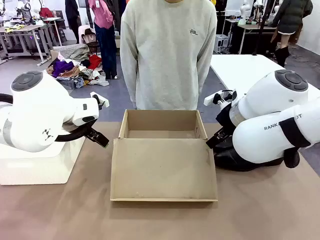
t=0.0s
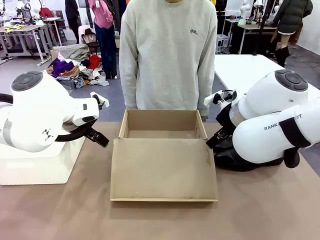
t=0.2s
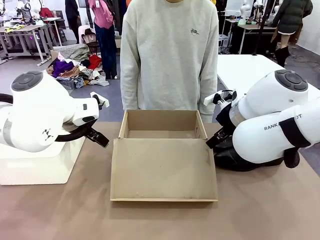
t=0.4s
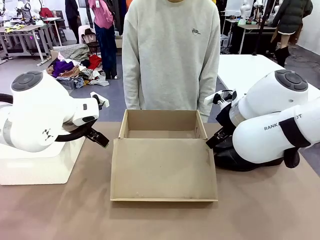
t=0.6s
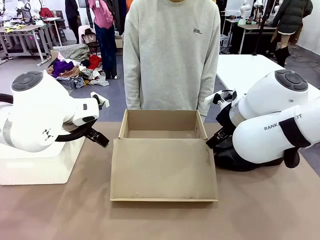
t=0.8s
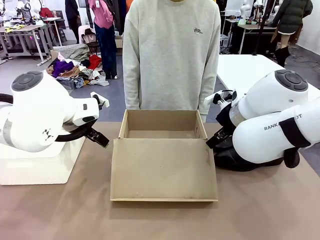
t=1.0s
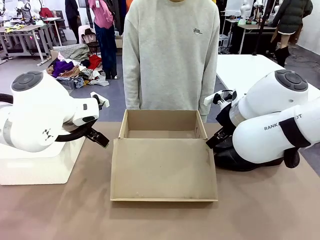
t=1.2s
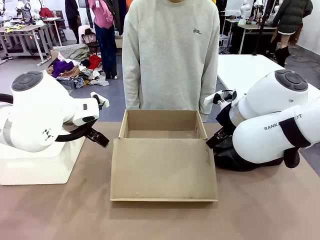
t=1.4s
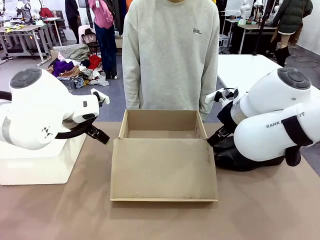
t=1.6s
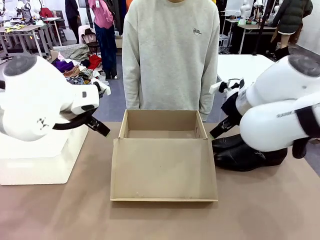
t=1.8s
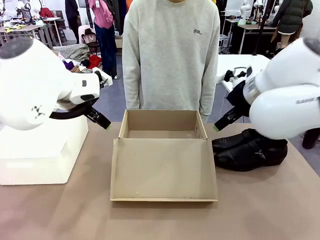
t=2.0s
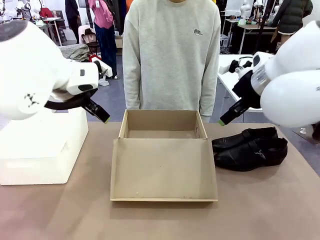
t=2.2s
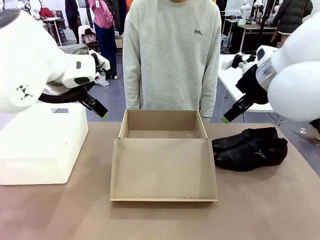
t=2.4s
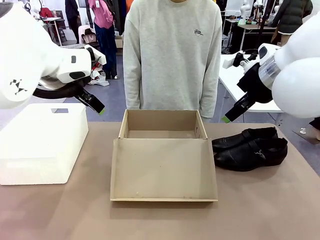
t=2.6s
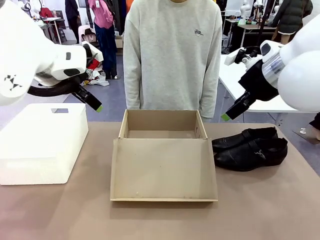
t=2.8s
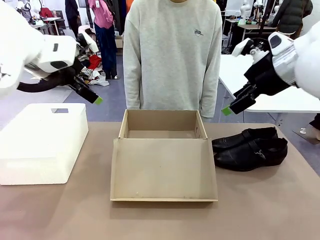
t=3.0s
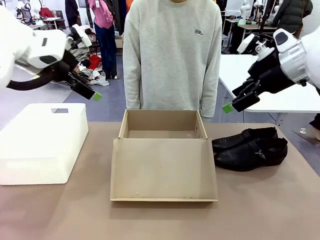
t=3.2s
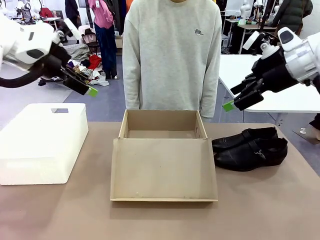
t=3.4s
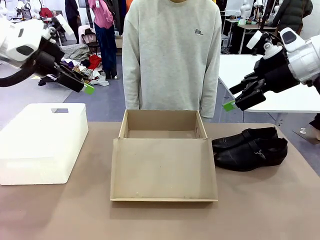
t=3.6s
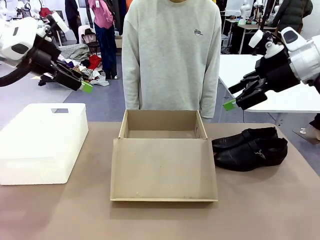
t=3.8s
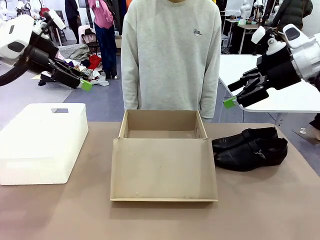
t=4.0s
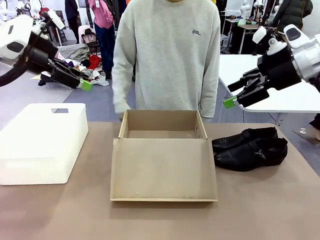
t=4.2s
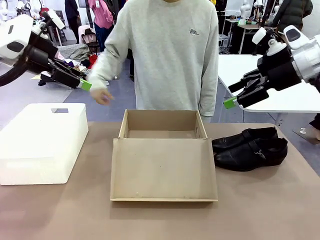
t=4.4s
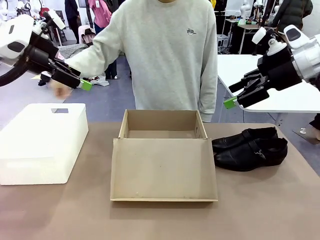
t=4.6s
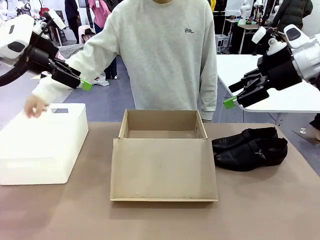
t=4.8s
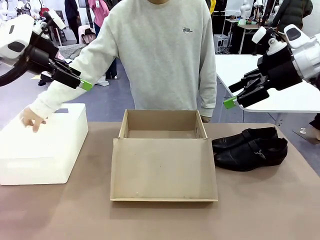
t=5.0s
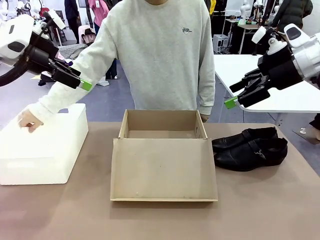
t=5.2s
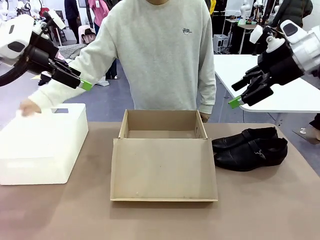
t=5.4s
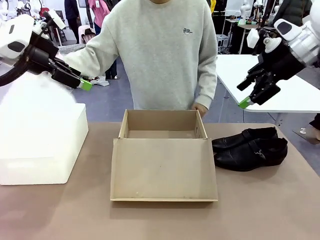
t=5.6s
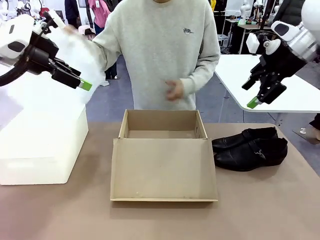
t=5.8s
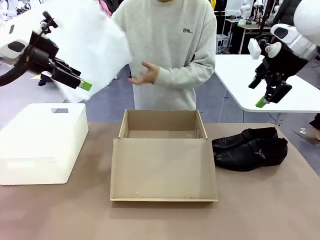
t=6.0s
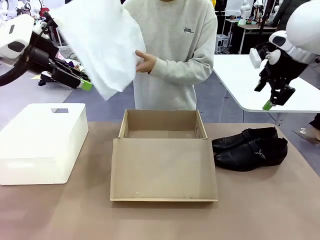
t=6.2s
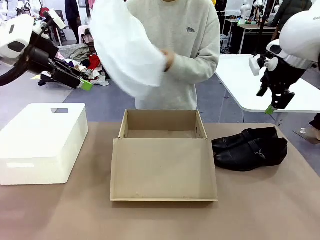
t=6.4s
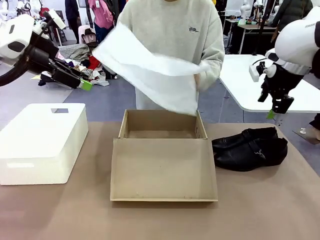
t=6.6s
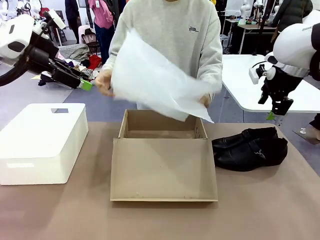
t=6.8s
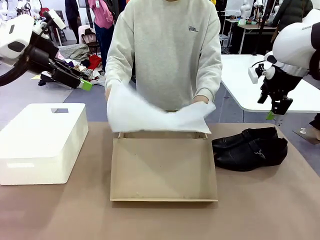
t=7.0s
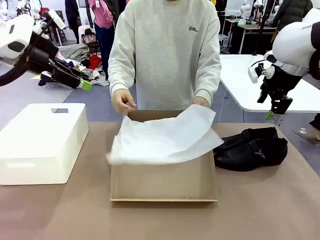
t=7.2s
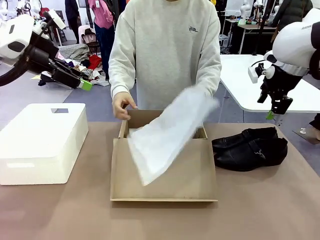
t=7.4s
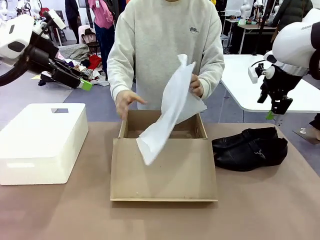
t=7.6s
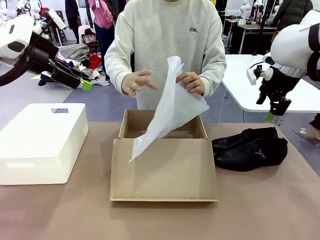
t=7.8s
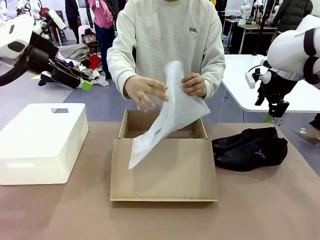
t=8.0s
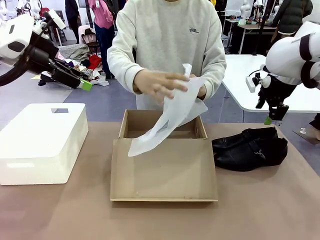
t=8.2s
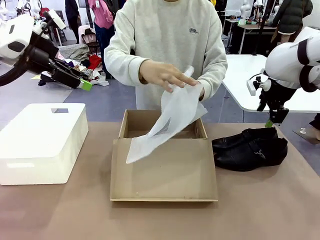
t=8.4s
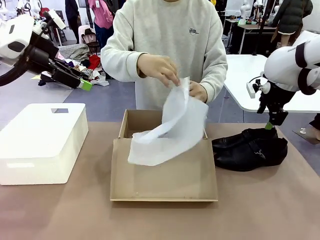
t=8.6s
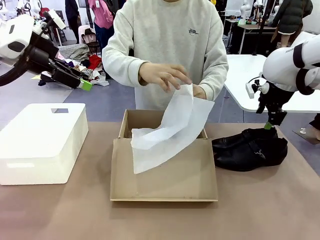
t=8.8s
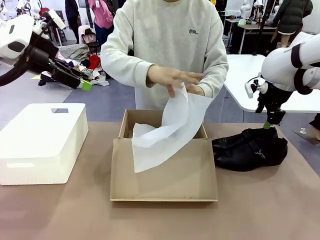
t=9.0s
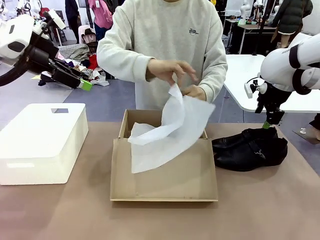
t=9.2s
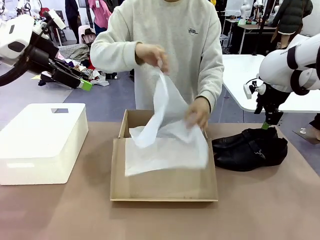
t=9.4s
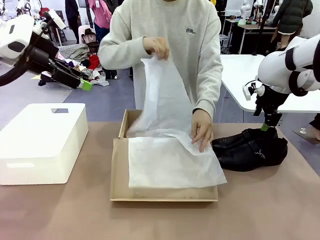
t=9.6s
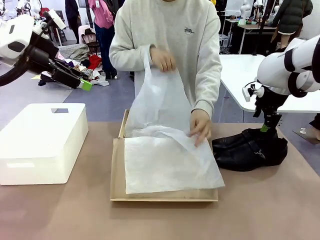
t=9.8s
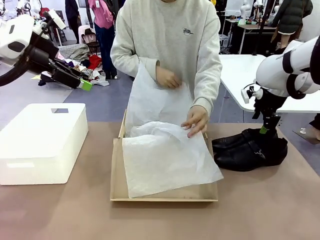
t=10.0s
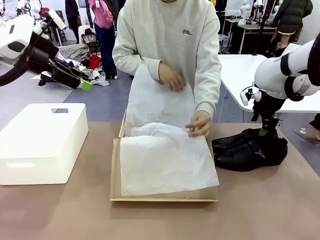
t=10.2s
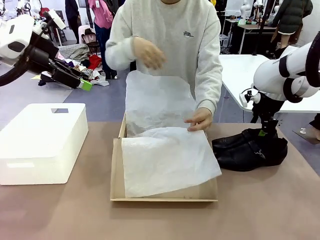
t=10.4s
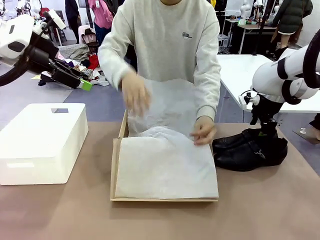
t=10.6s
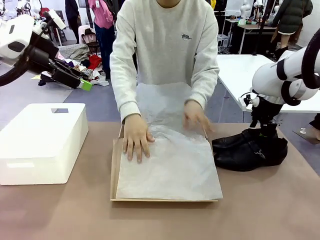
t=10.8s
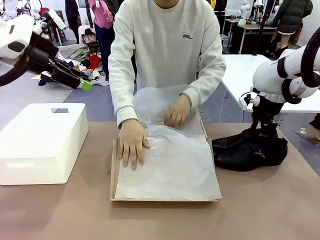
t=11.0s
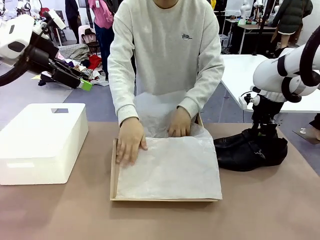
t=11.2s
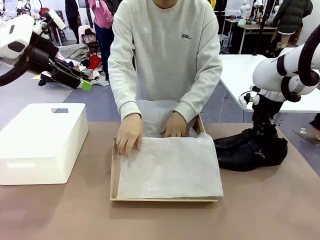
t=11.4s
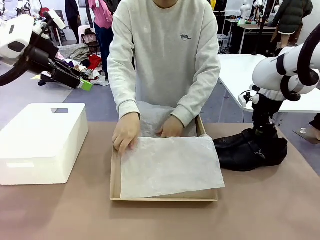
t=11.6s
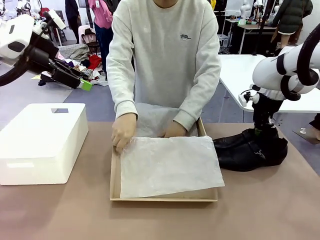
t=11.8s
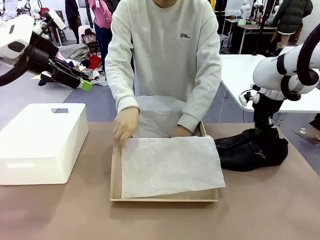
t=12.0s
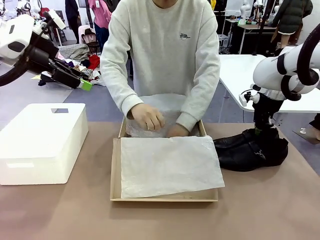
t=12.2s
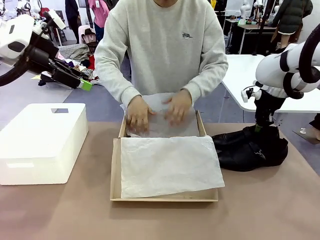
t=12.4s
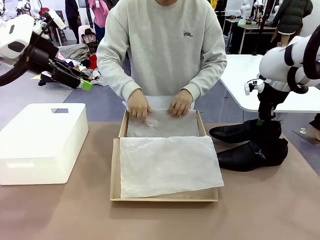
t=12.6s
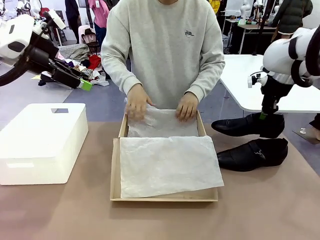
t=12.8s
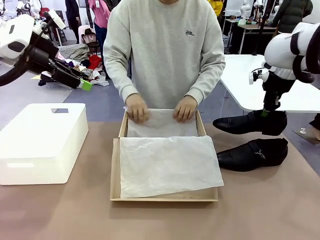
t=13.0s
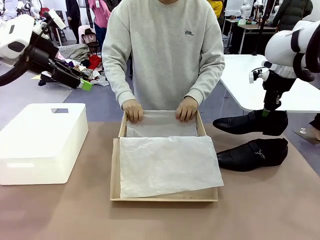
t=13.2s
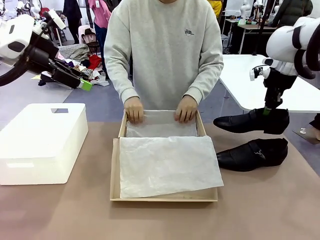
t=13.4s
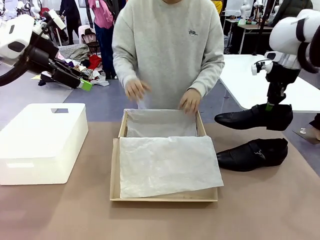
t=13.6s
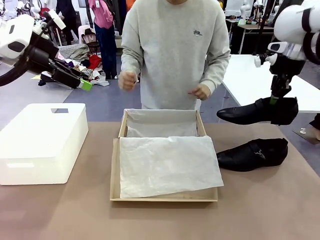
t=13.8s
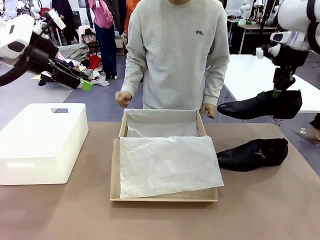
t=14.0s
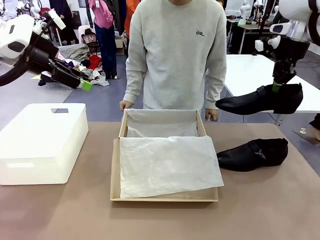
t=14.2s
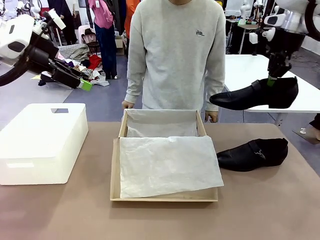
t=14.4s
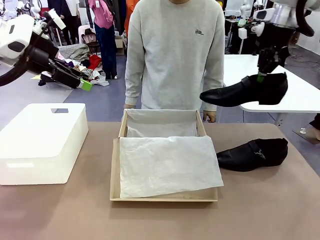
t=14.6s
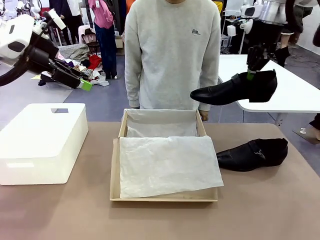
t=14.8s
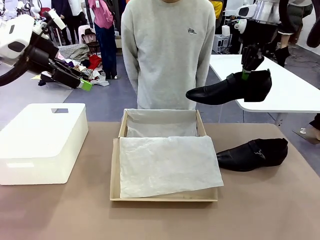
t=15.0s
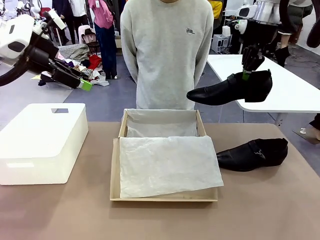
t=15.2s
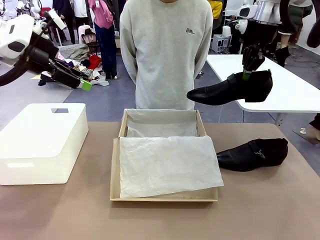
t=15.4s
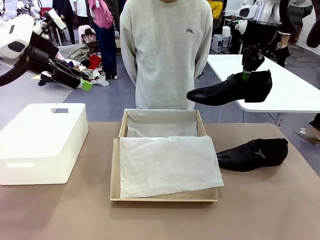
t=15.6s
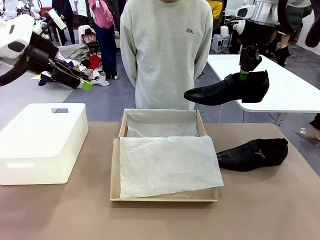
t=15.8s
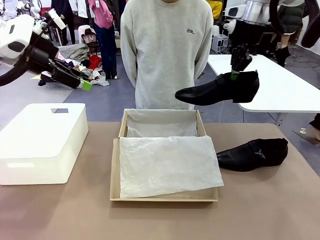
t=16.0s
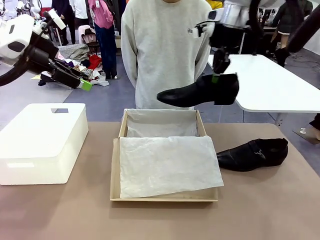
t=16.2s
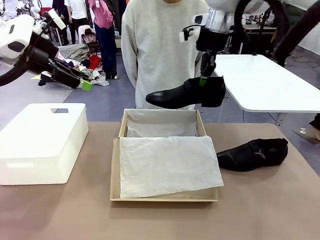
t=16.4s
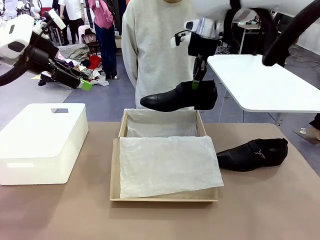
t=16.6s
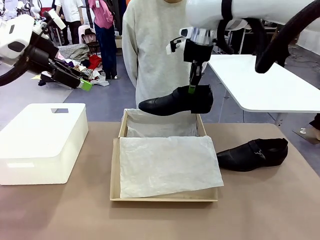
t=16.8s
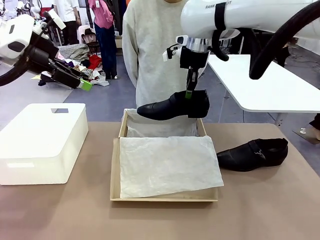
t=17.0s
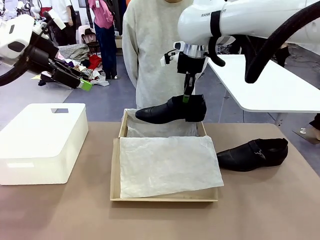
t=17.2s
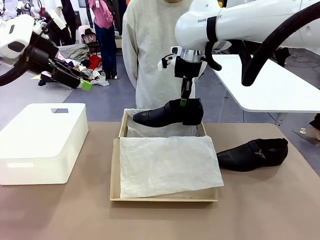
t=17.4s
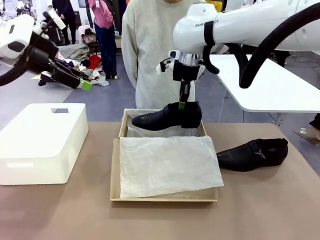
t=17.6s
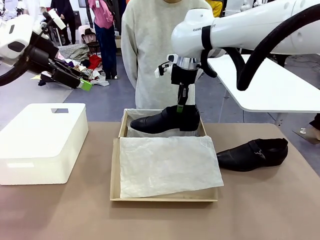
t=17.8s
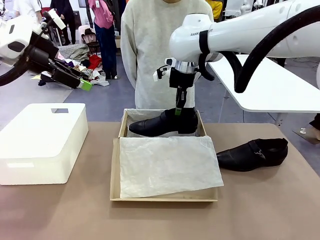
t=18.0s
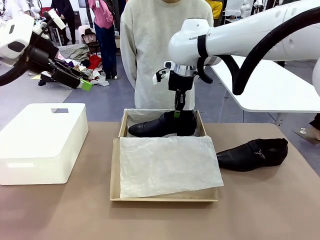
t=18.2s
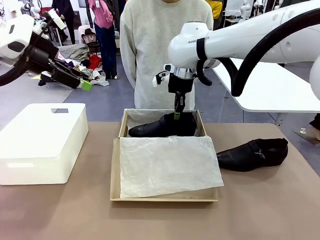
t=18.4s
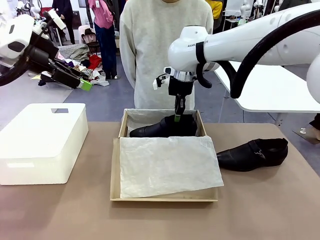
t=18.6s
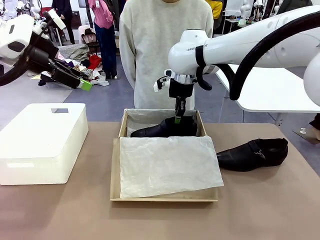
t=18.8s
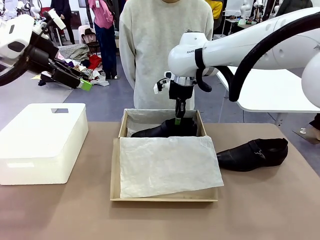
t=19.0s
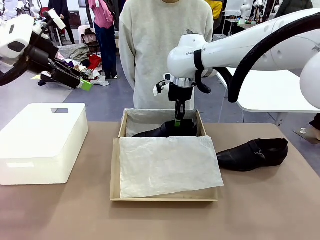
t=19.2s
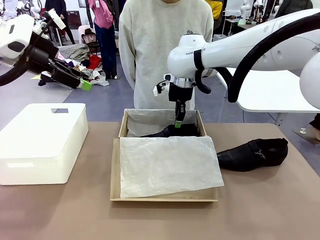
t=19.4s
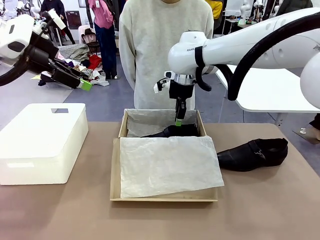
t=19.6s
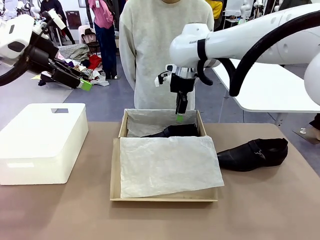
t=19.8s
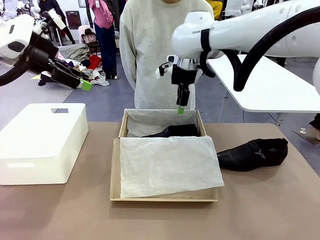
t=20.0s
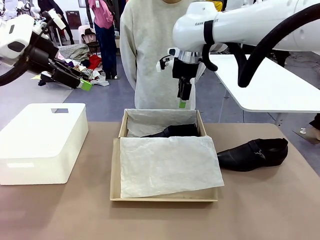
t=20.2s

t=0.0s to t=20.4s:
Task: Pack the shoes into the box.
Robot: Place one shoe of the Shoes into the Shoes Box.
Person: Spread Shoes Wrapping Paper and place inside the Shoes Box.
